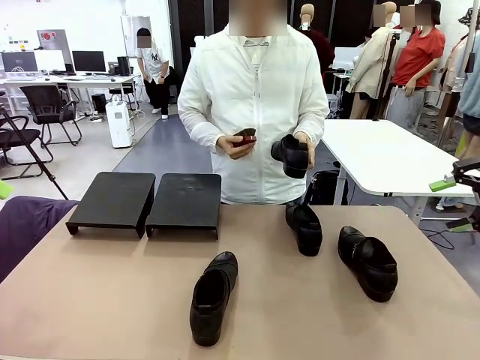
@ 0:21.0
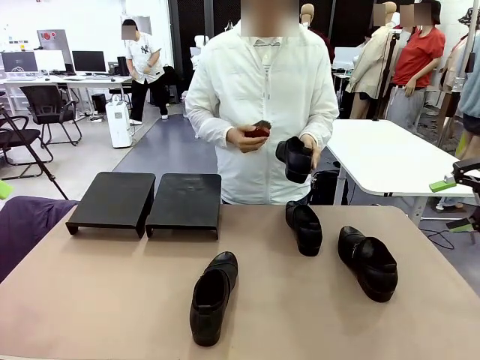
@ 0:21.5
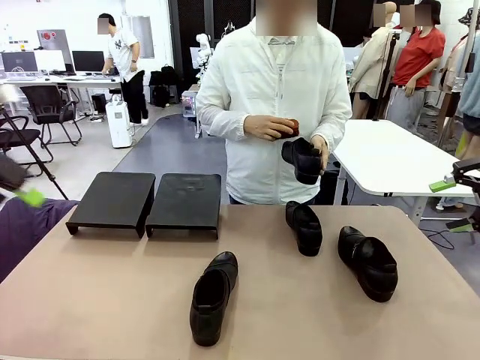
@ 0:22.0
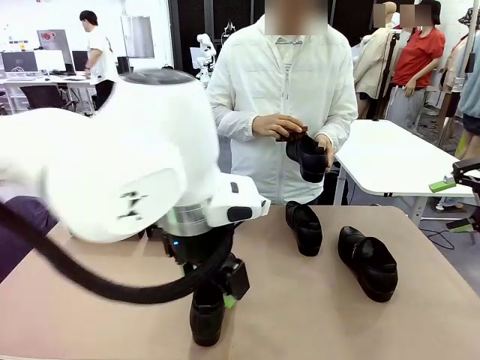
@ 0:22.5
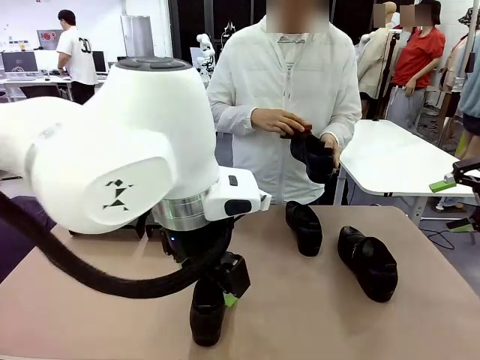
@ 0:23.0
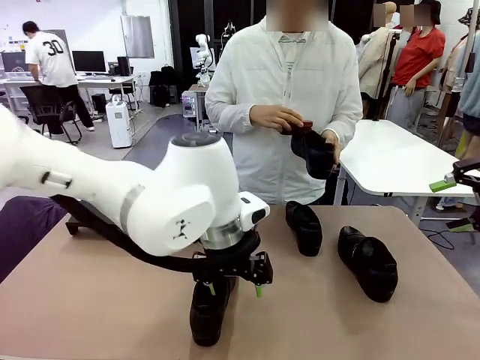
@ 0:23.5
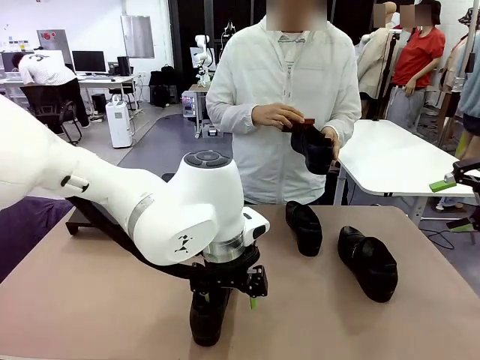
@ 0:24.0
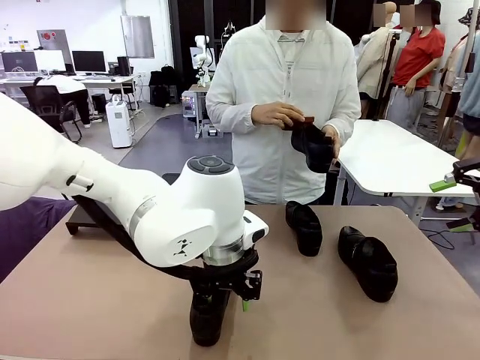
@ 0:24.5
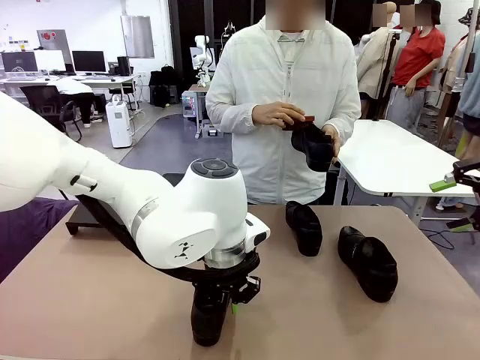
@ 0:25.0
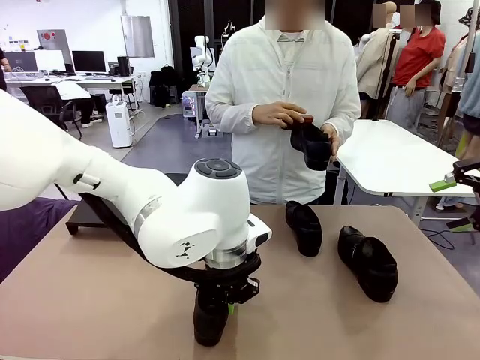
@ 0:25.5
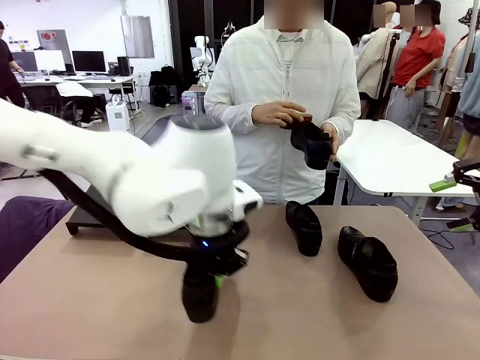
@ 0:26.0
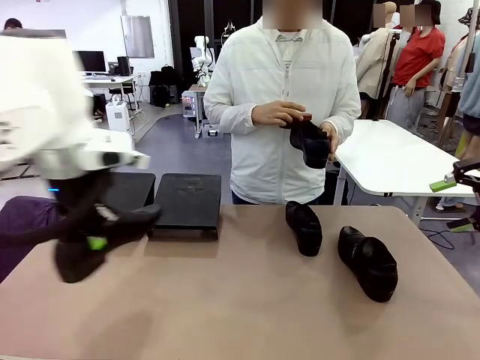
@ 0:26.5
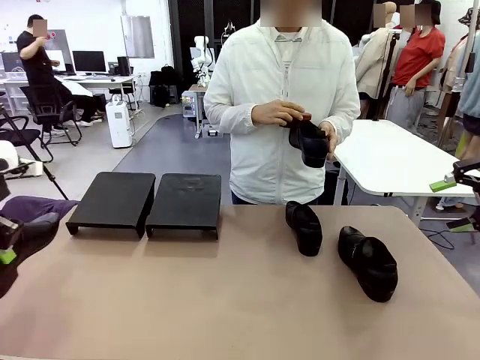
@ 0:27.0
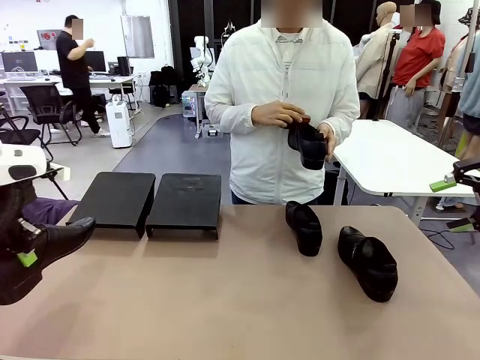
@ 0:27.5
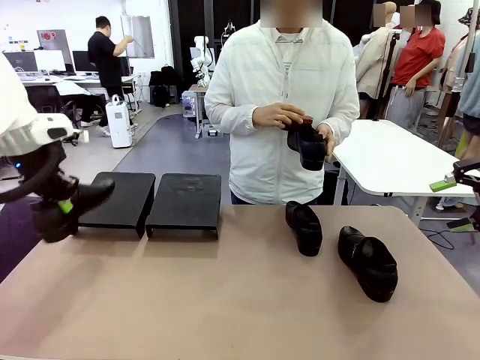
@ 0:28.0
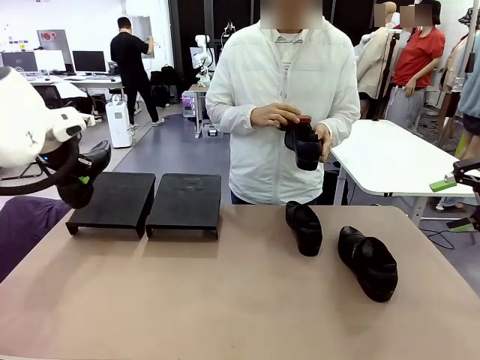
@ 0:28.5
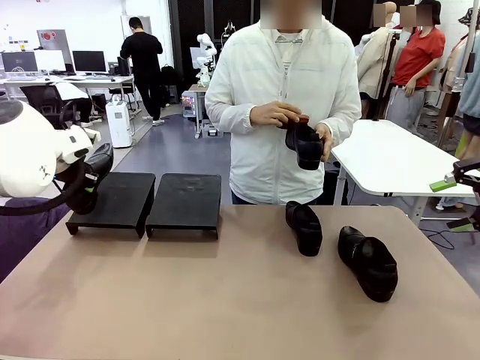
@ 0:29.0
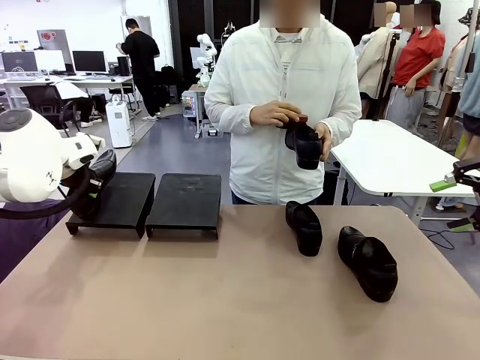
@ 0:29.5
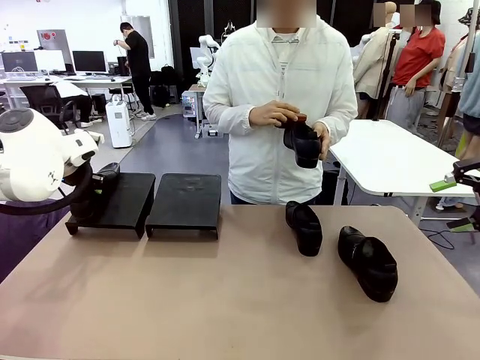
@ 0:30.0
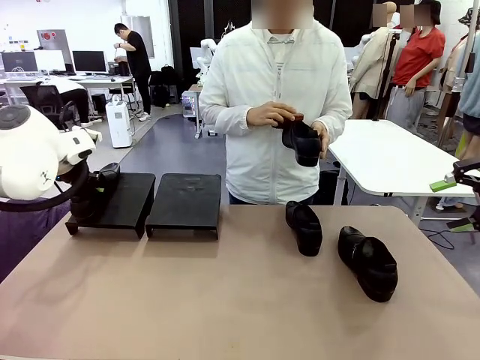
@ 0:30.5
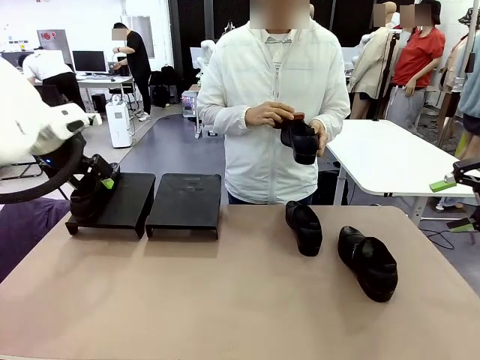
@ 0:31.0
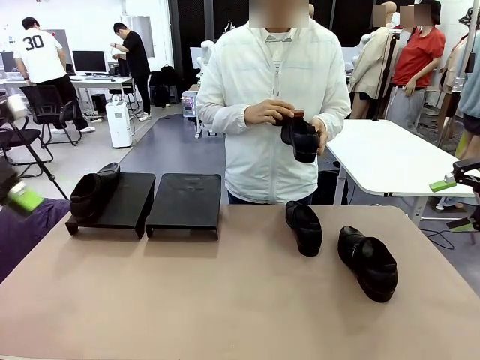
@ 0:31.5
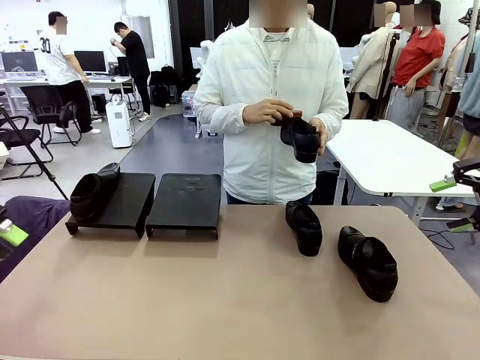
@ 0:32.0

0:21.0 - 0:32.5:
Task: Organize the shoes by placing them on the stand.
Robot: Place the Shoe from the middle of the table onto the Shoes Stand.
Person: Clean the Shoe with the Shoe Brush.

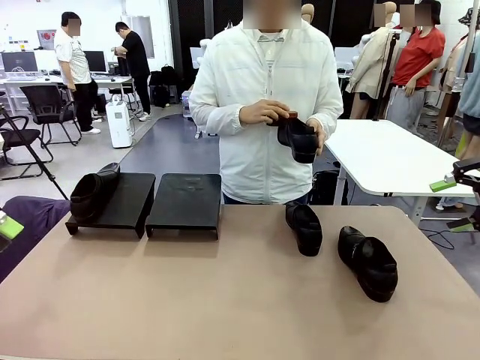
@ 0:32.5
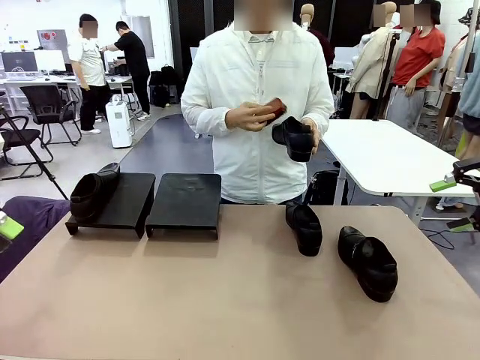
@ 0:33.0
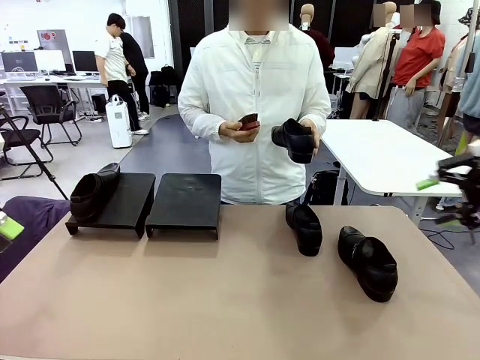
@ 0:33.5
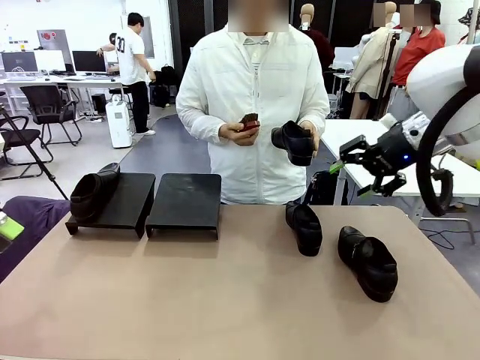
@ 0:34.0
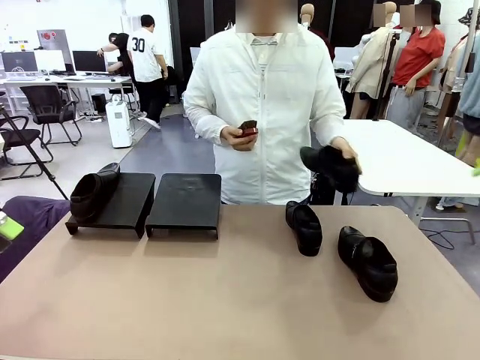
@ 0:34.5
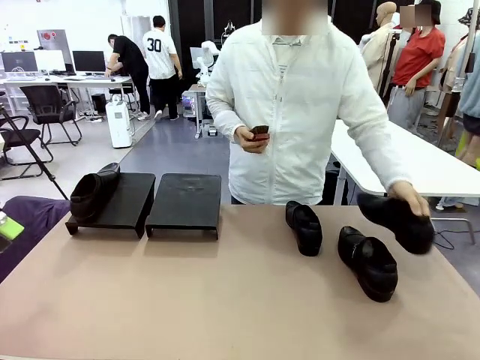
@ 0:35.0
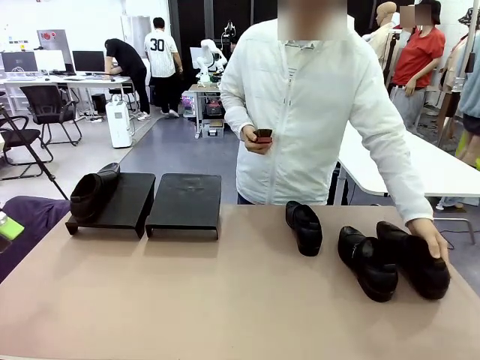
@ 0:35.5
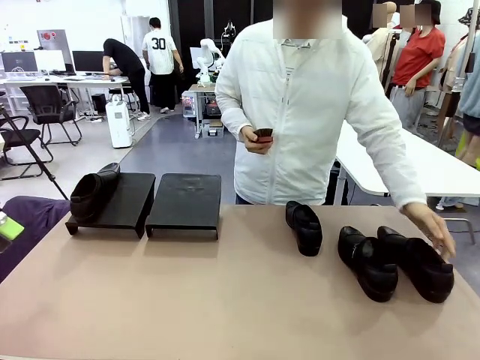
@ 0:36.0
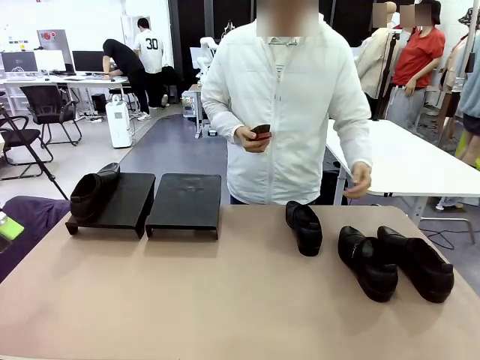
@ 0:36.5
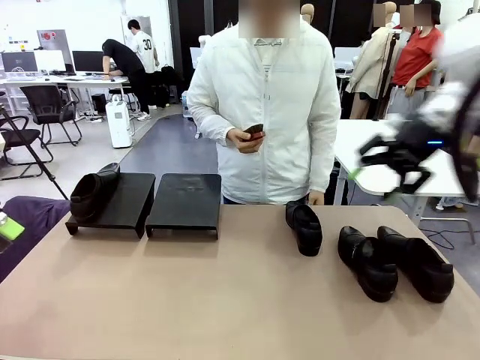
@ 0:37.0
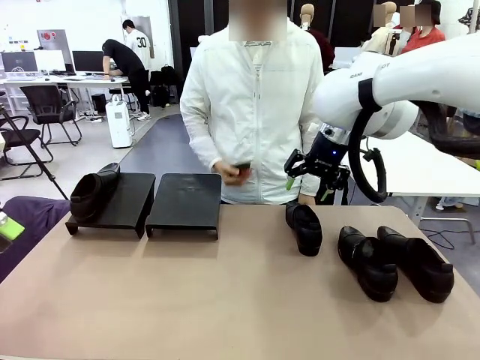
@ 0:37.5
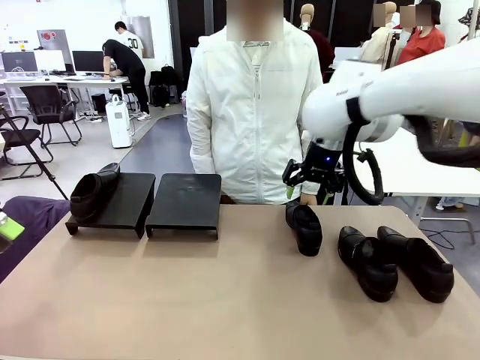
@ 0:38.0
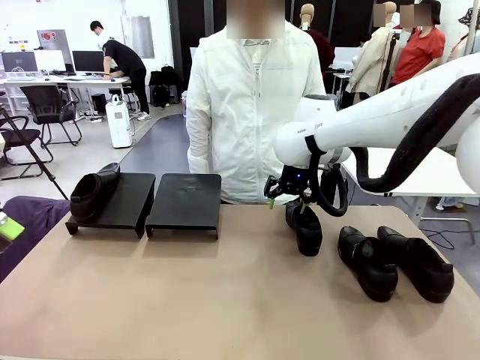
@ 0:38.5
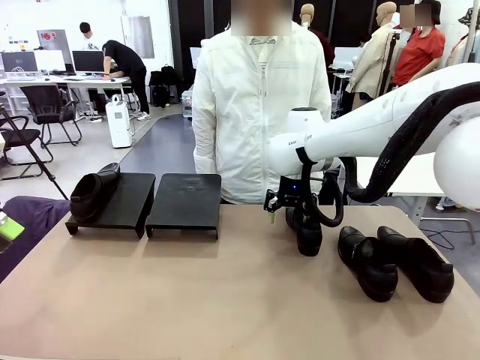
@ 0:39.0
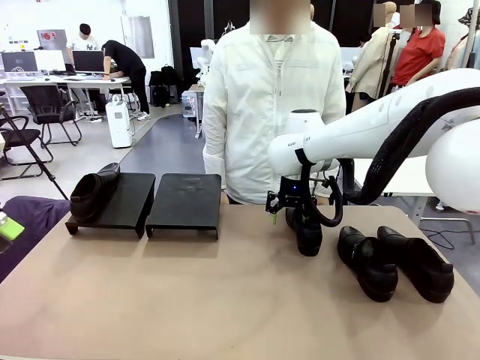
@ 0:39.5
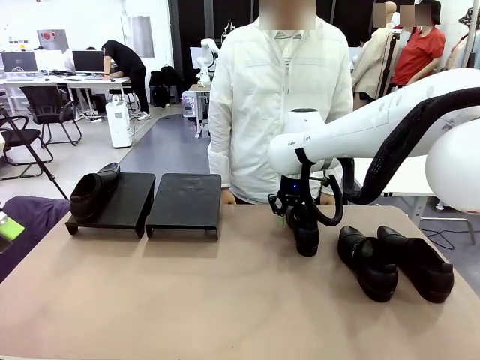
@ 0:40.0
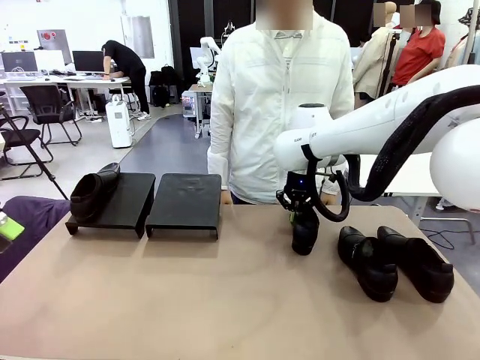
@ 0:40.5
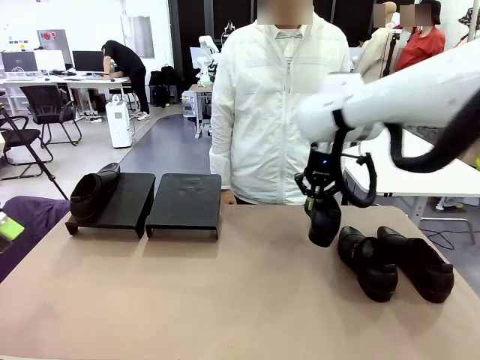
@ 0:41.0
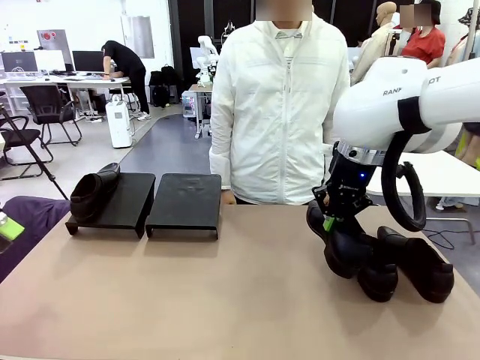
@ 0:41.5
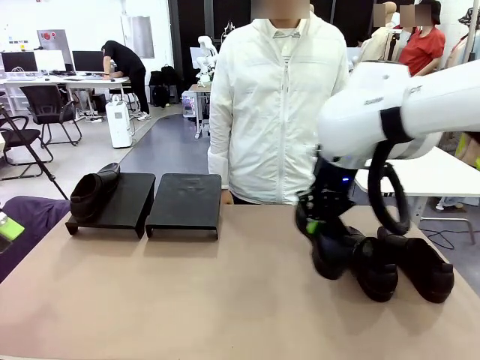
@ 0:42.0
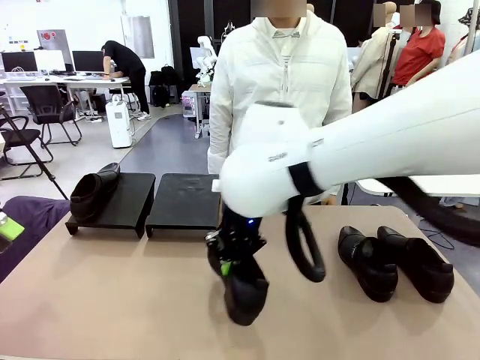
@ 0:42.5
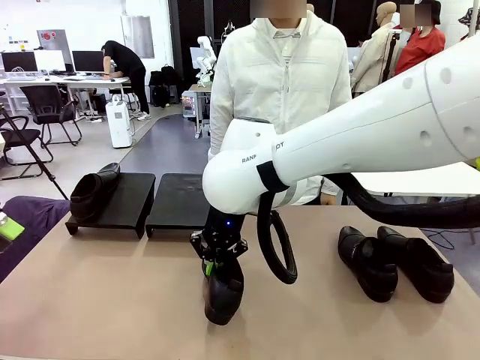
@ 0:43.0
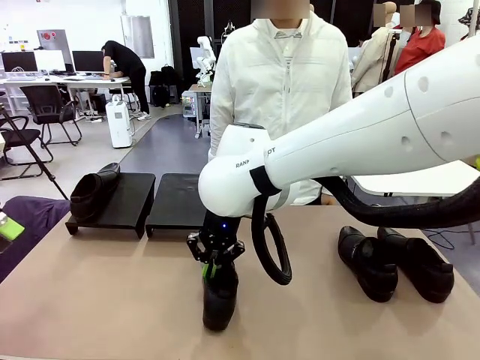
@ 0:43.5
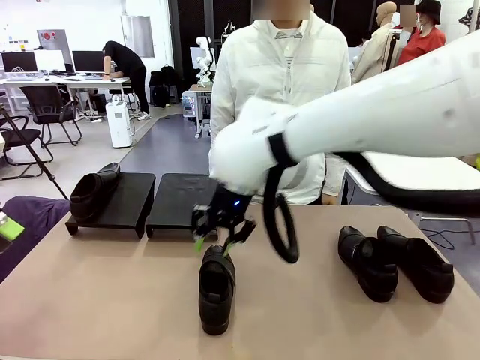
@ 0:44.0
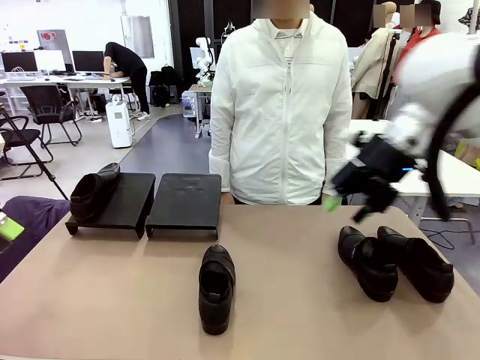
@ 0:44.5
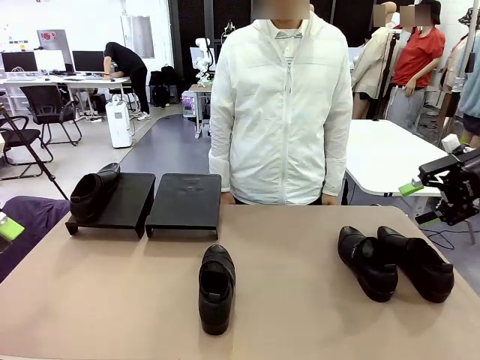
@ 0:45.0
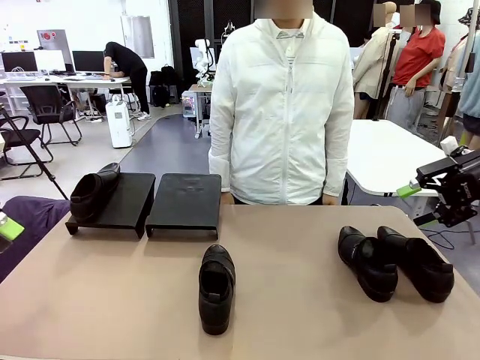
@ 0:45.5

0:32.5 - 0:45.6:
Robot: Pick up one Shoe and place it in the middle of the table.
